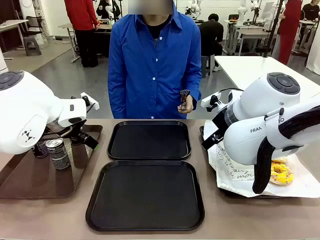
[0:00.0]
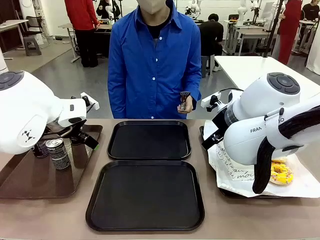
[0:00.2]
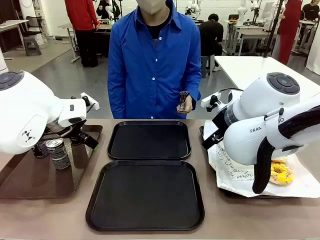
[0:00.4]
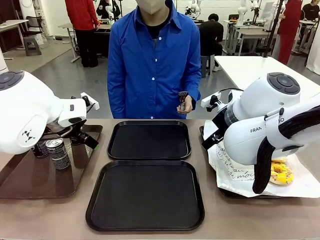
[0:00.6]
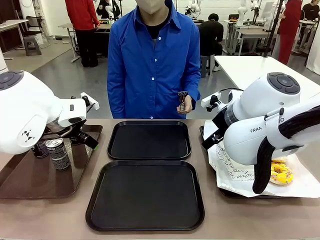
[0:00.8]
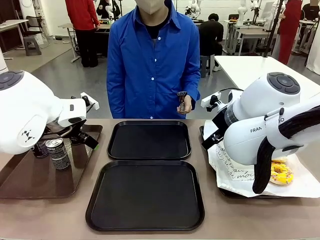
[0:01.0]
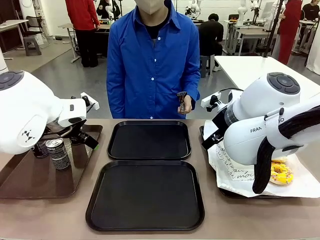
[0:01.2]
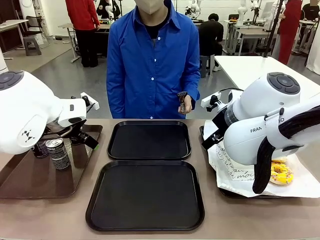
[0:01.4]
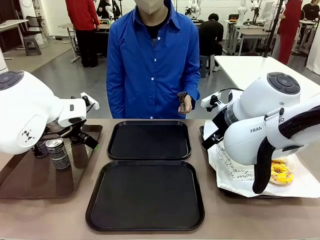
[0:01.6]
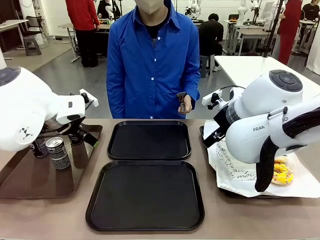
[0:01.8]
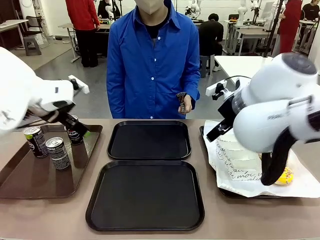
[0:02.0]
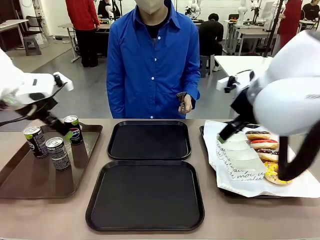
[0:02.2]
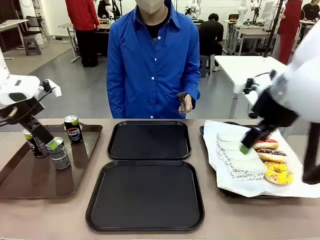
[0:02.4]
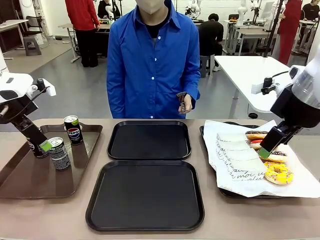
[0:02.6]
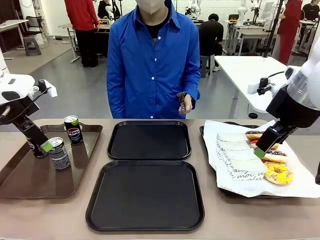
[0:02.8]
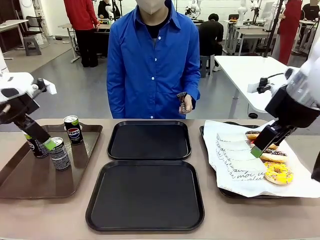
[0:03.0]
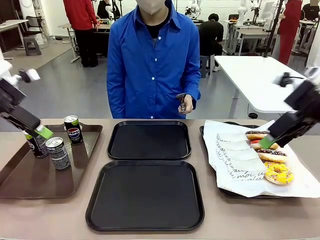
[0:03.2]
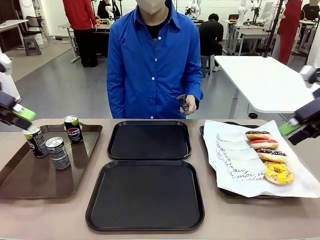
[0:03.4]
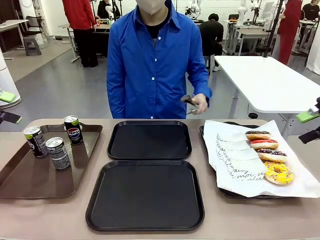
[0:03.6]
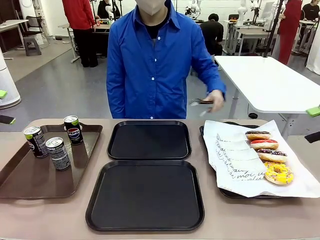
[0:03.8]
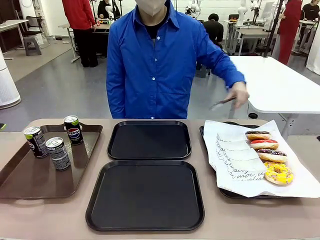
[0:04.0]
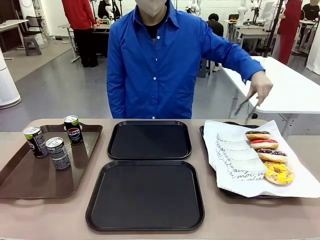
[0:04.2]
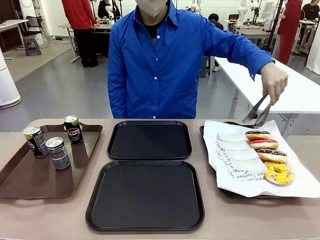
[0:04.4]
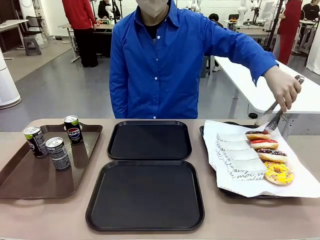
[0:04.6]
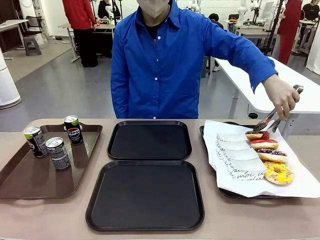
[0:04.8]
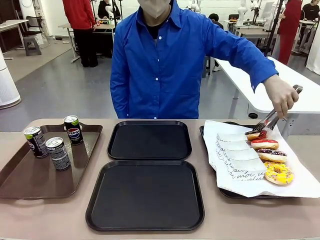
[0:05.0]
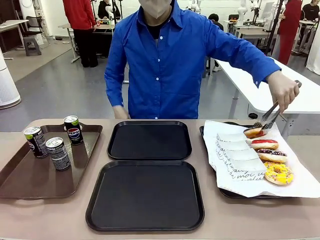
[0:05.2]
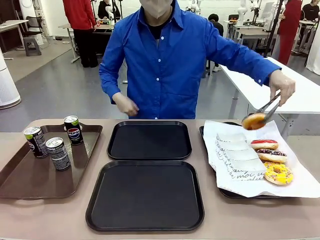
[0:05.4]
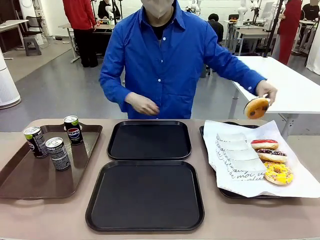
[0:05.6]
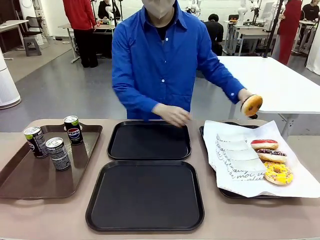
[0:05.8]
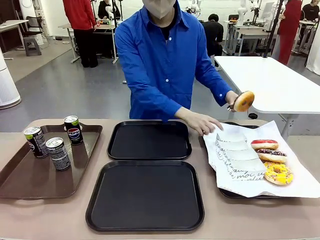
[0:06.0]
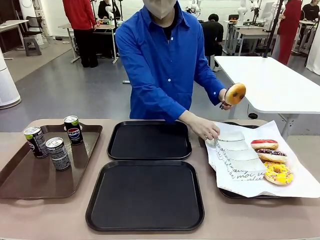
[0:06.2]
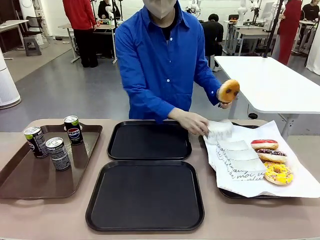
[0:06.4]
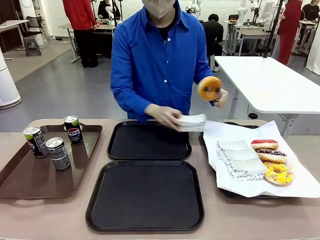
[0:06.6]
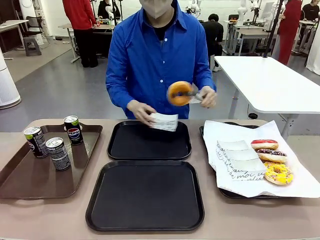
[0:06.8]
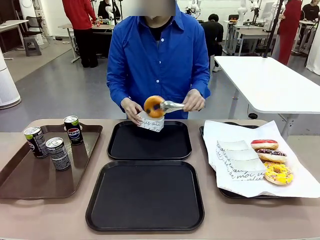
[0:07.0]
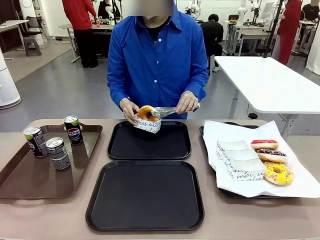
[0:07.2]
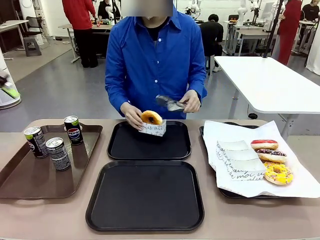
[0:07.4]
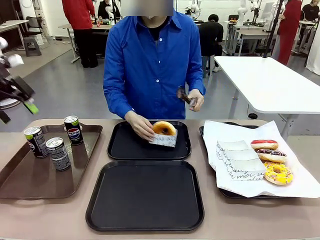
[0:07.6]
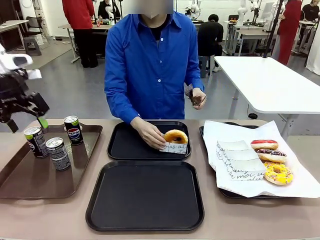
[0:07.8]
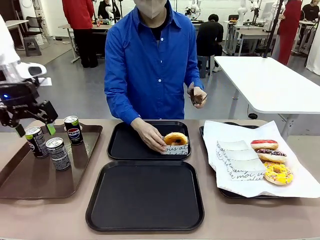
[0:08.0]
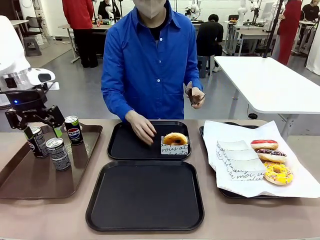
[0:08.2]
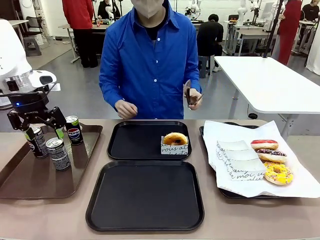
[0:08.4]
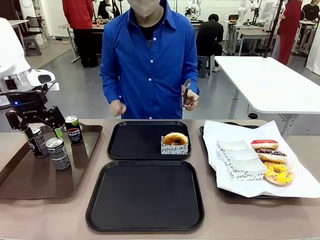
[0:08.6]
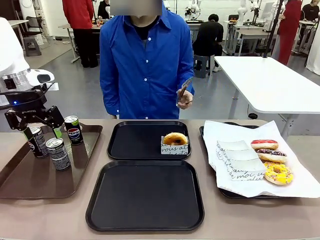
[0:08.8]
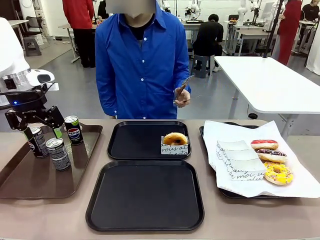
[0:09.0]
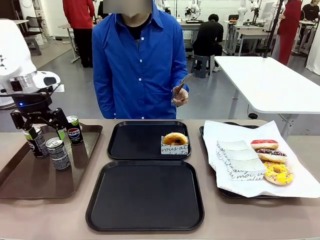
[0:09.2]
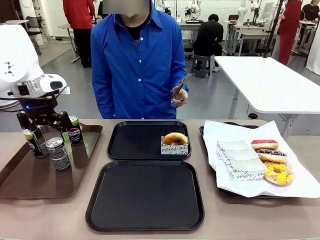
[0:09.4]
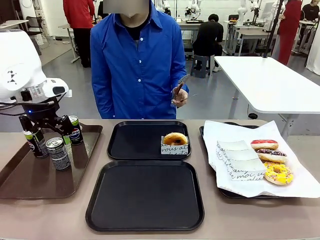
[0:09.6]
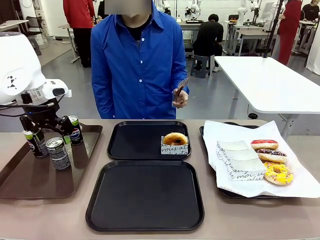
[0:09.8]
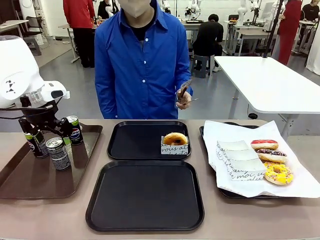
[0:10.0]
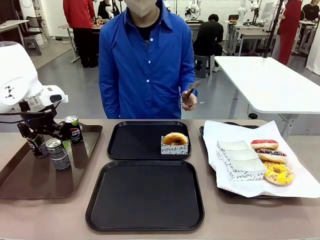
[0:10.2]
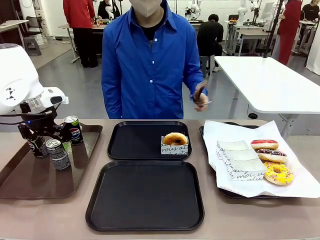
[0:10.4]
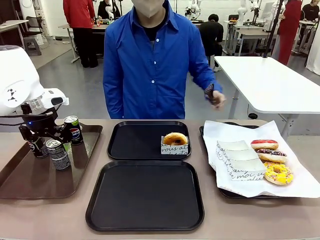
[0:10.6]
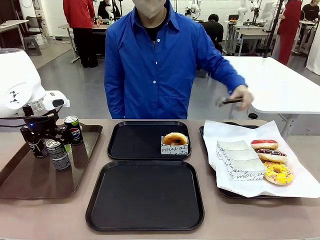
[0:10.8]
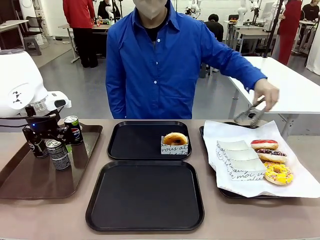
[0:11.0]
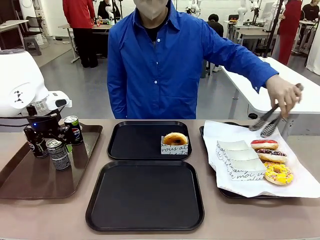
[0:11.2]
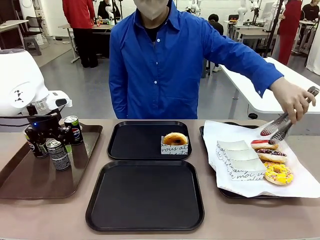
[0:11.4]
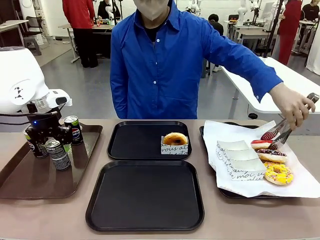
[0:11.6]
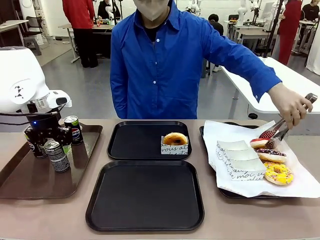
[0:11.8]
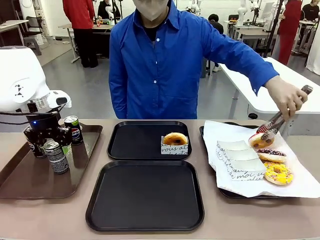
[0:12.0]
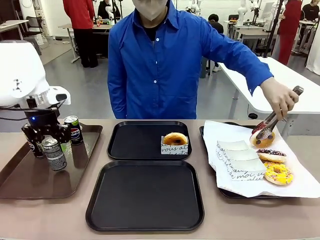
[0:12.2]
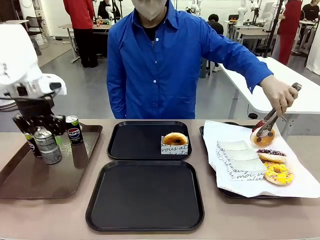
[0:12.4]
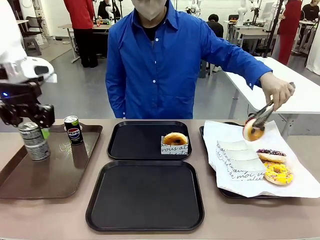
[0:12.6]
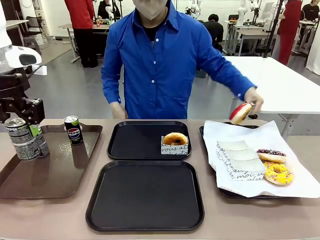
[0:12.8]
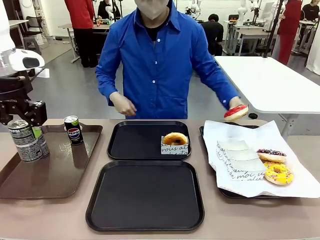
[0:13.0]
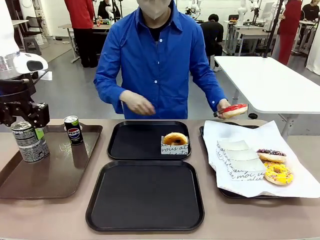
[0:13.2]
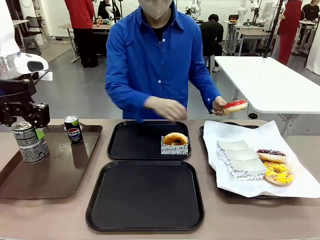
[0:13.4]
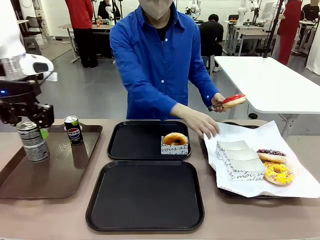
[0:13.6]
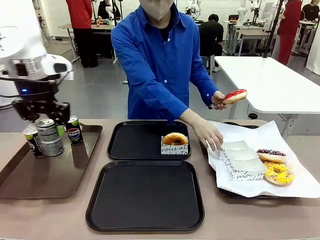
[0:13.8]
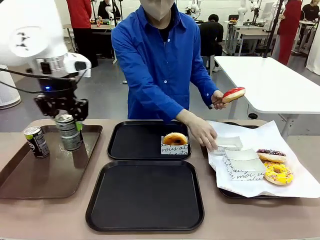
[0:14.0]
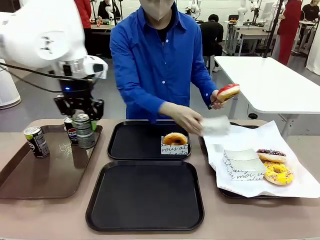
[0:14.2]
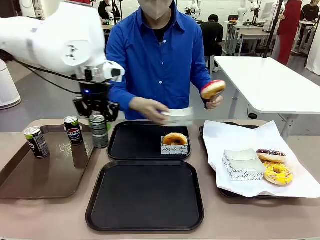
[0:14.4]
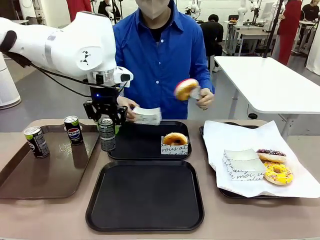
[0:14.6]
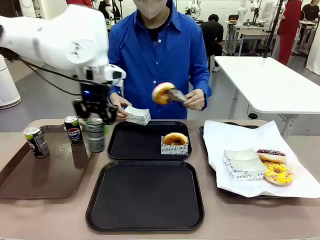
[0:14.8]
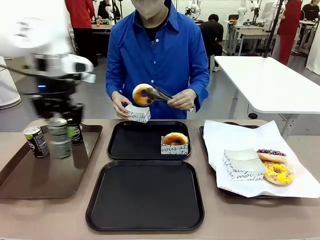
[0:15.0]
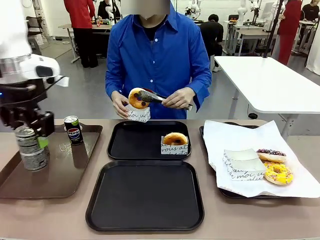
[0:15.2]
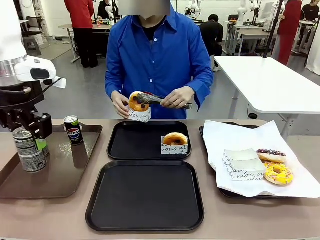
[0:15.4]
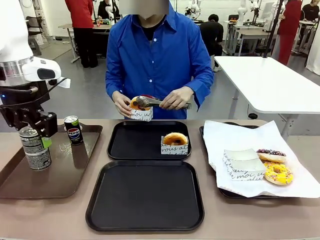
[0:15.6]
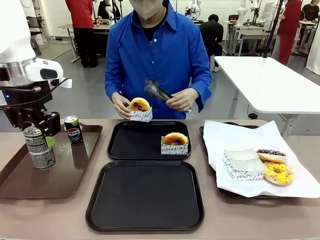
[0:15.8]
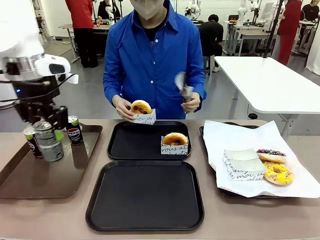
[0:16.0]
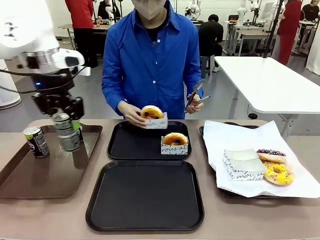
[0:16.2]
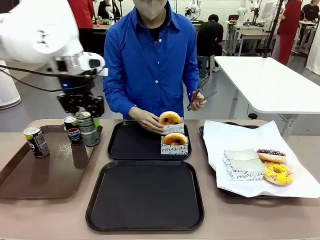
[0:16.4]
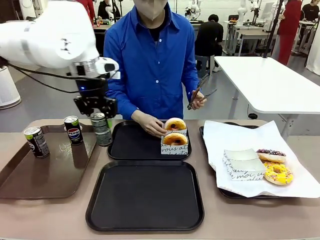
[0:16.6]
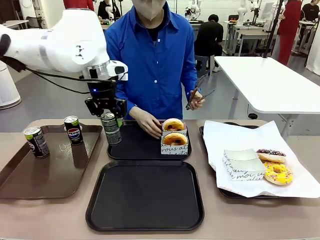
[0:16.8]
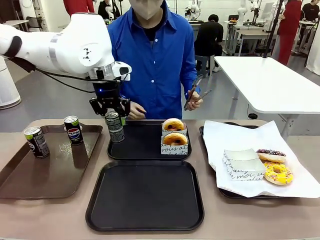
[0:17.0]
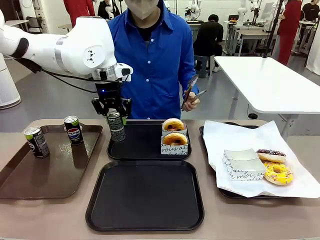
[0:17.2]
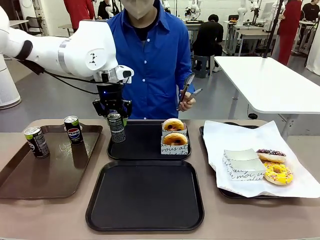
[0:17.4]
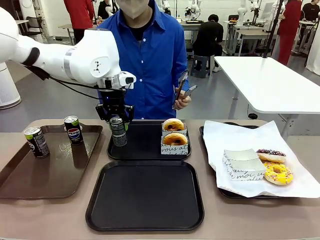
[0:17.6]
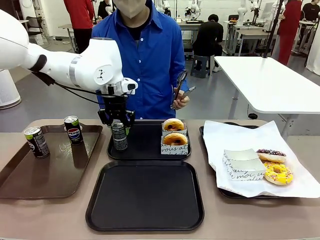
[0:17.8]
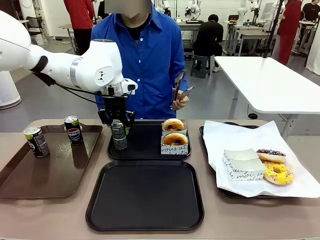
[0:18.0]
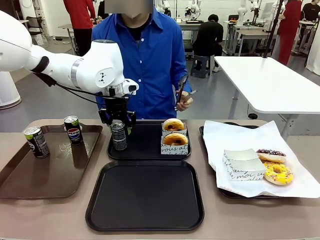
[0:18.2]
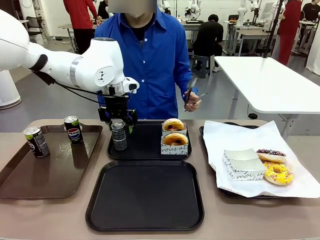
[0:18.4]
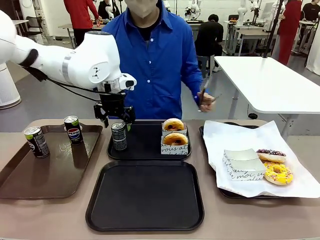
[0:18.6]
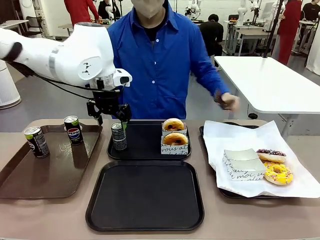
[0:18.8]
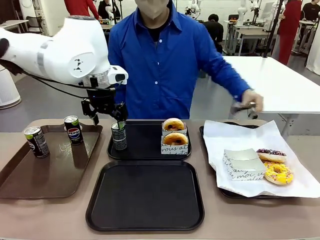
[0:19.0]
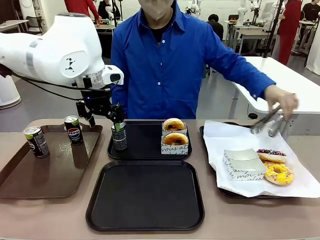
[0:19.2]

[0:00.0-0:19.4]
Task: Set up donuts and drinks on trays.
Robot: Pick up one Pepsi coke and place it on the Flat Tray.
